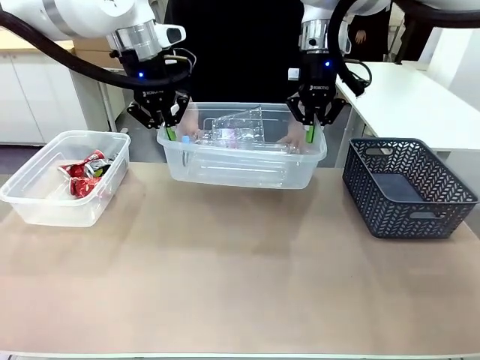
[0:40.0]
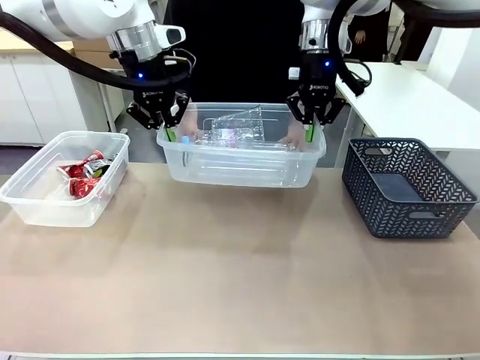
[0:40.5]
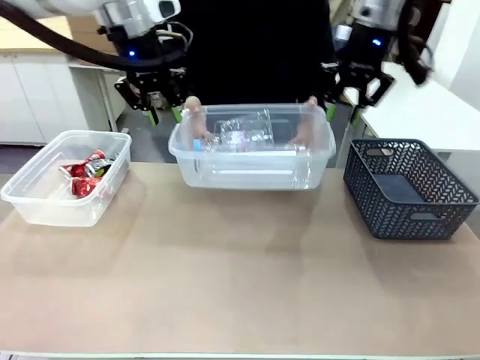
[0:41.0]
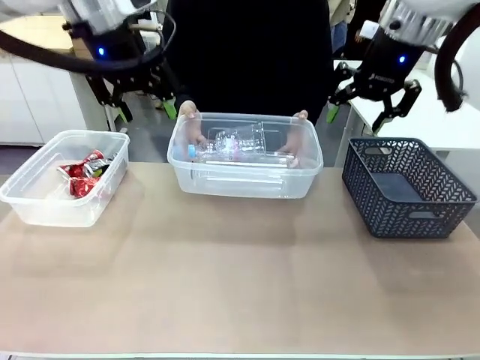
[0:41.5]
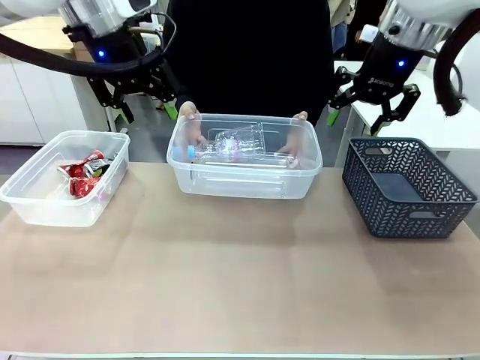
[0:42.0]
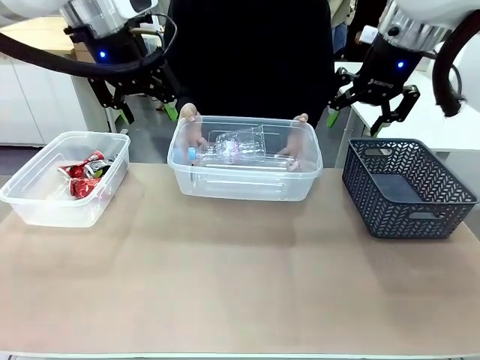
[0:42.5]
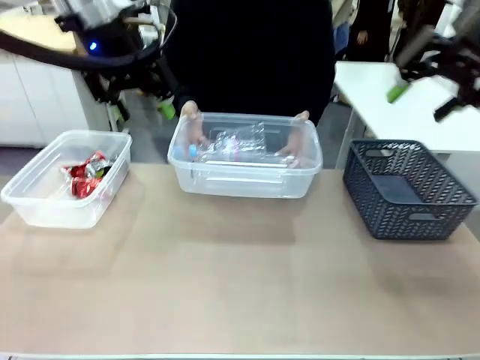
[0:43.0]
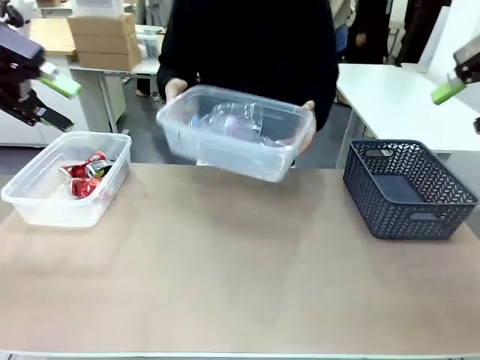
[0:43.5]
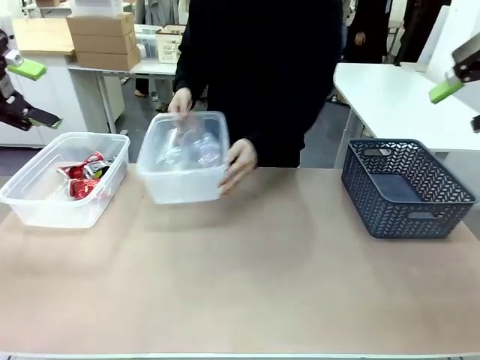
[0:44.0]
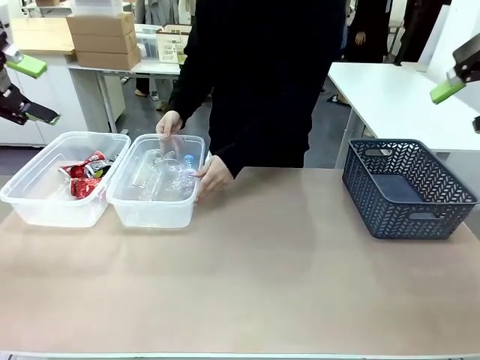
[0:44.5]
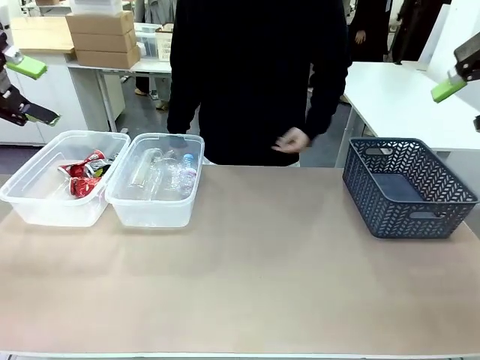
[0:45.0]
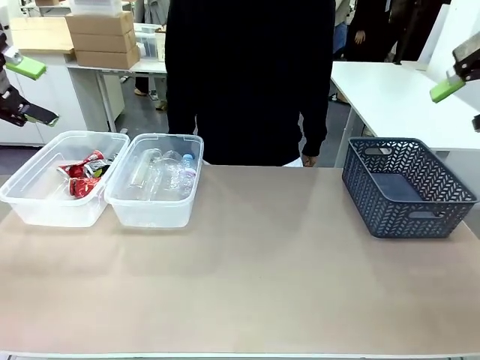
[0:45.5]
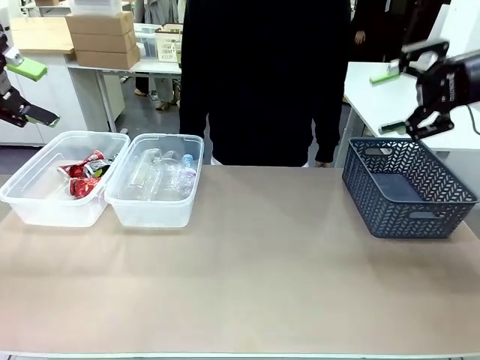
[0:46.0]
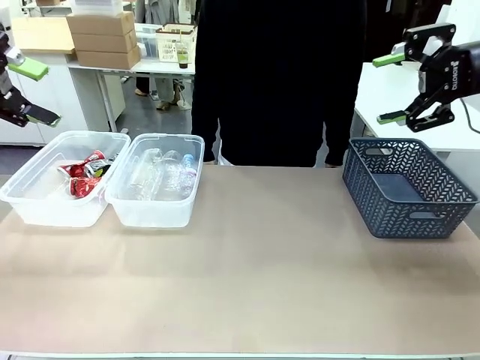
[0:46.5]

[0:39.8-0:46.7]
Robot: Release the Organizing box you were holding.
Person: Pick up the organizing box extended by the robot. Place the organizing box to the left of the sorting box containing the can waste.
